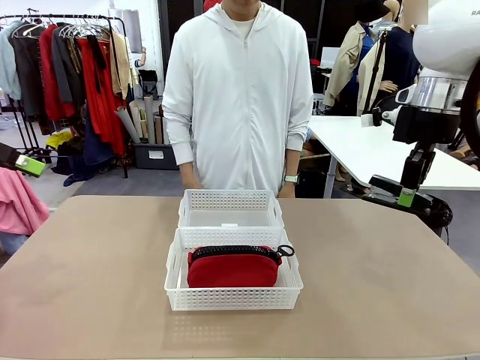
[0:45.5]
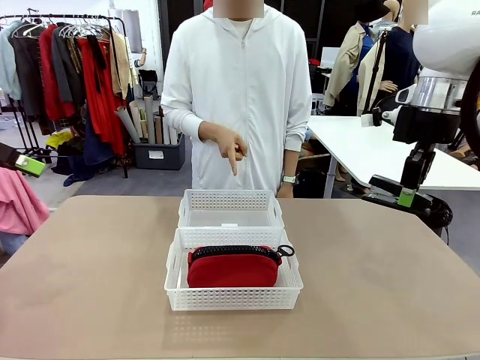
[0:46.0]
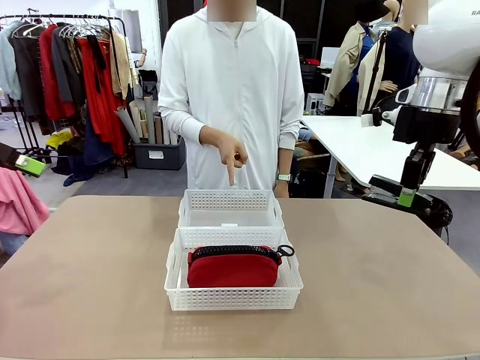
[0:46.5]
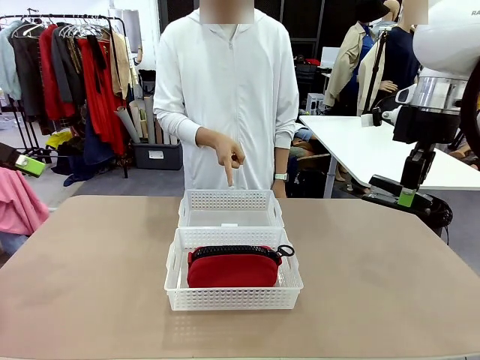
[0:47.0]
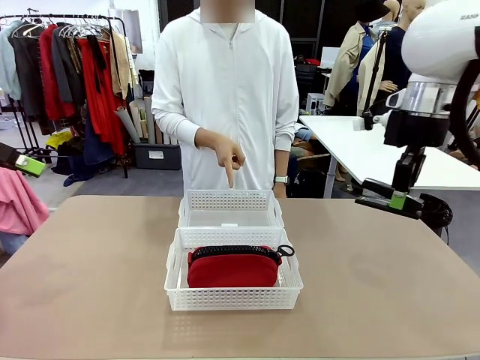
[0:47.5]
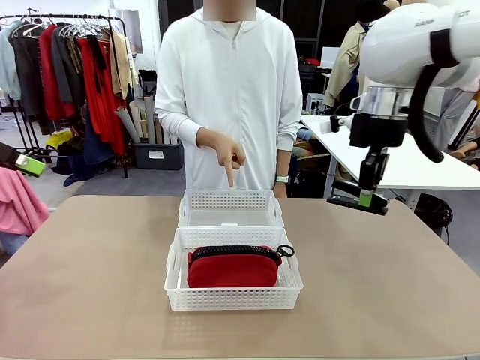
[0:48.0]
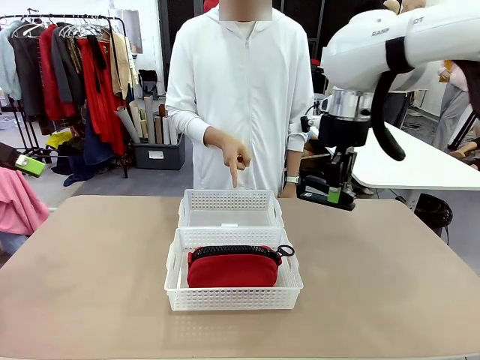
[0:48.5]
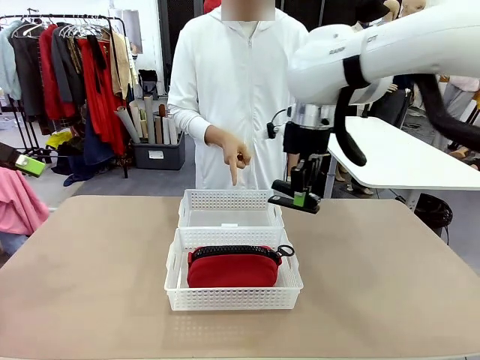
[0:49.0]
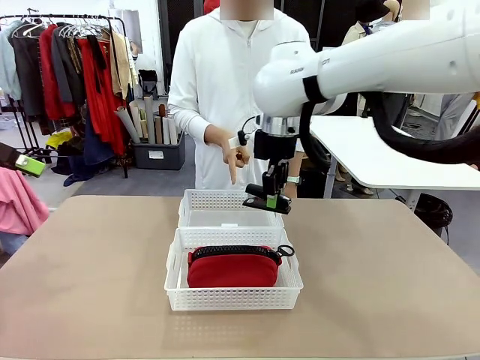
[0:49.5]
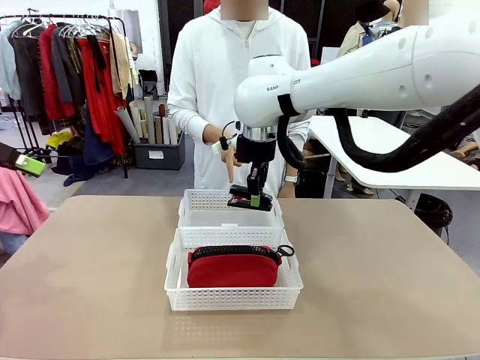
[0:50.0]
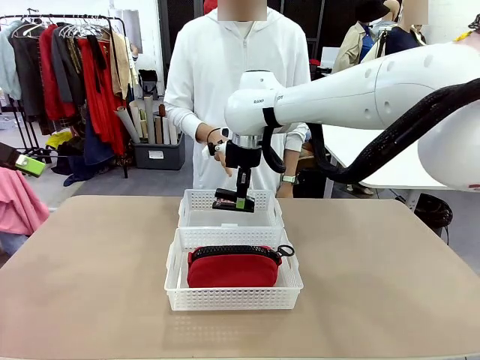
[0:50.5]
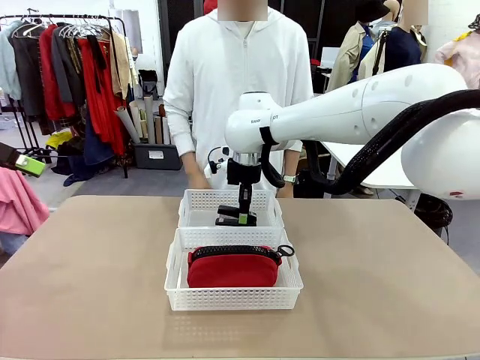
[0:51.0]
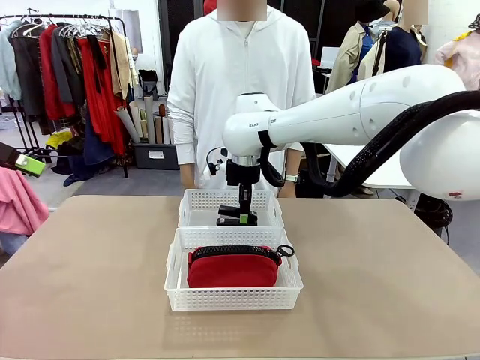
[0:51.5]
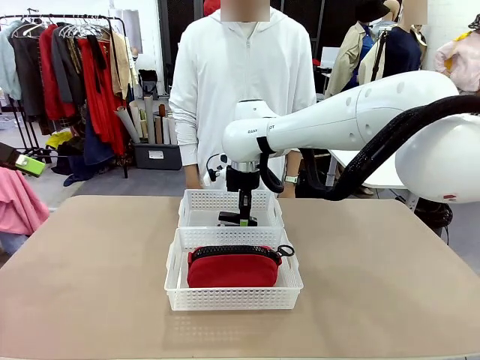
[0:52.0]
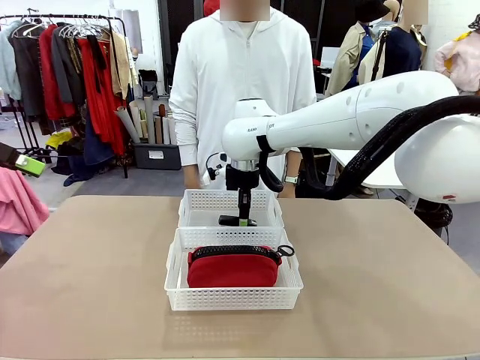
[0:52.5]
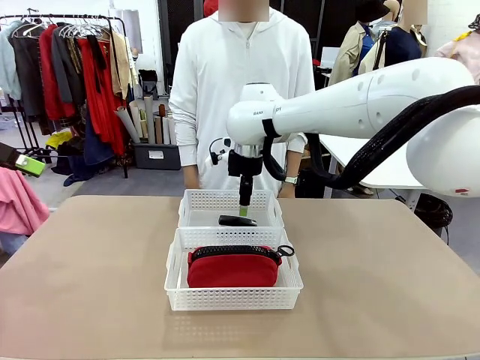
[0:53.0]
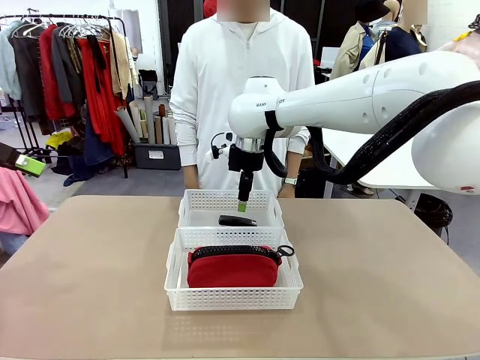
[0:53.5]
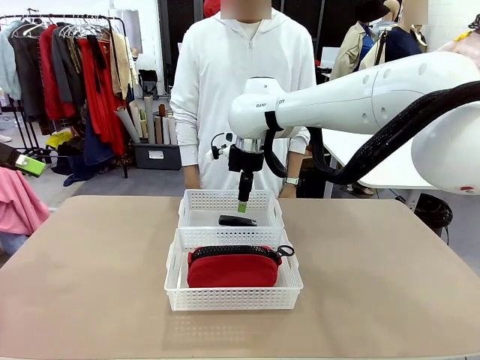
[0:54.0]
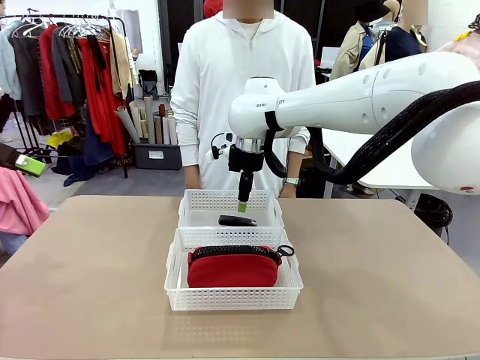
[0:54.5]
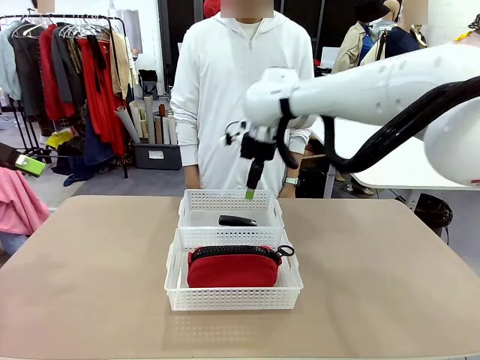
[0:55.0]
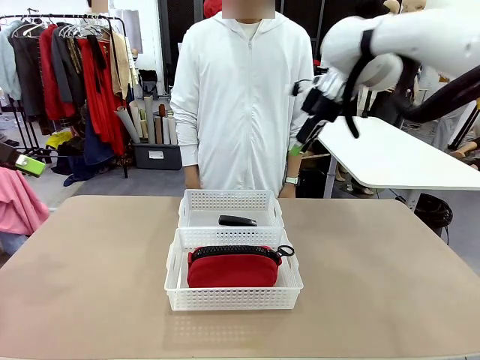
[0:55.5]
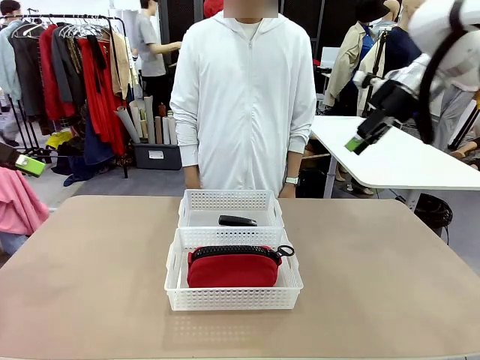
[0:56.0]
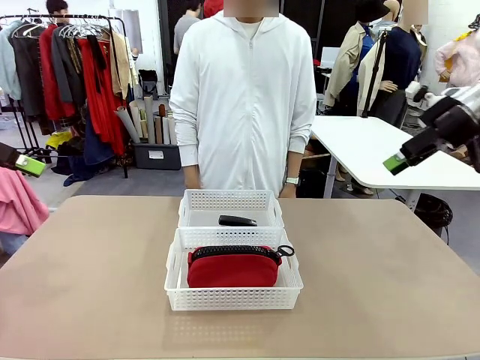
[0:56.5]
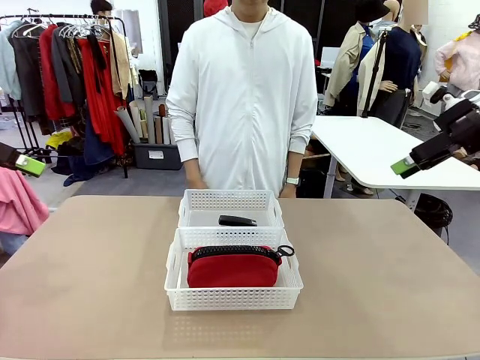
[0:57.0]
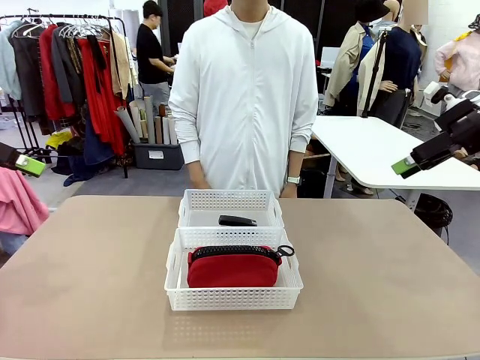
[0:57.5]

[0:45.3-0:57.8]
Task: Distribute items into two baskets.
Robot: Place the picked Stapler into the Organizing basket as instructed by the person.
Person: Points to the basket that does not contain the pencil case and instructs the robot to move the stapler there.

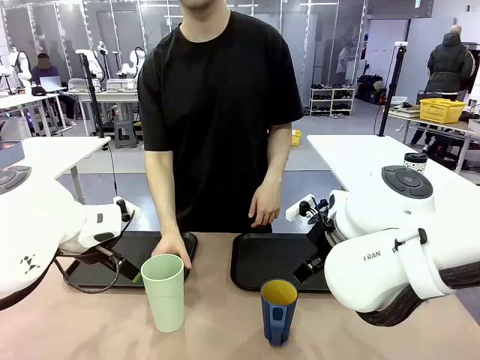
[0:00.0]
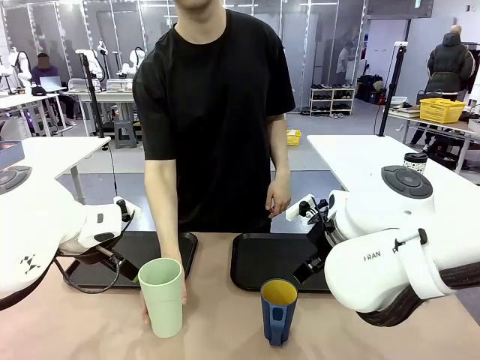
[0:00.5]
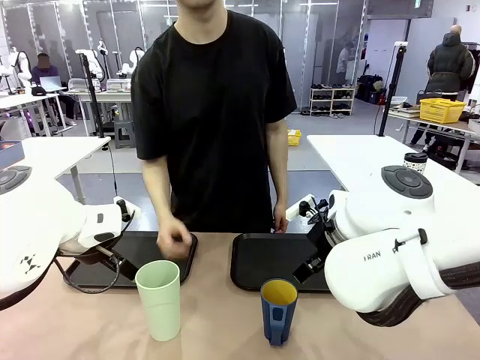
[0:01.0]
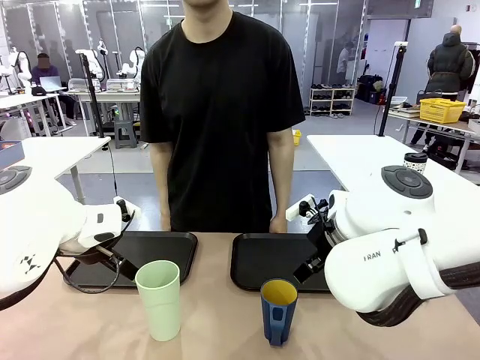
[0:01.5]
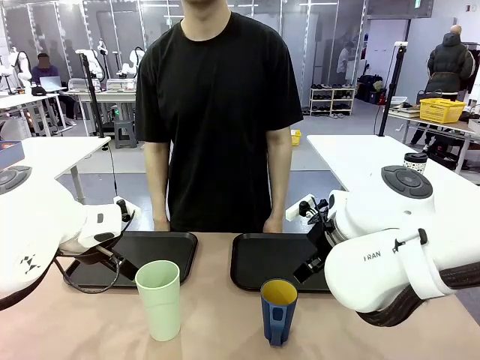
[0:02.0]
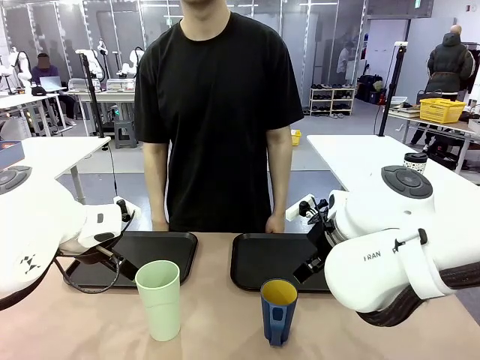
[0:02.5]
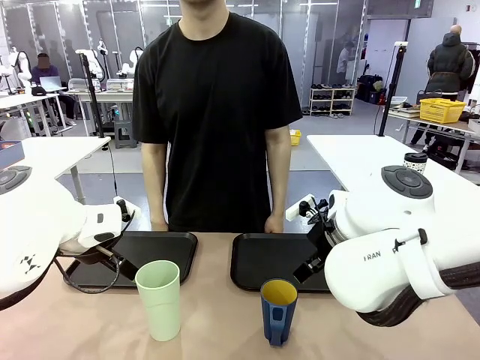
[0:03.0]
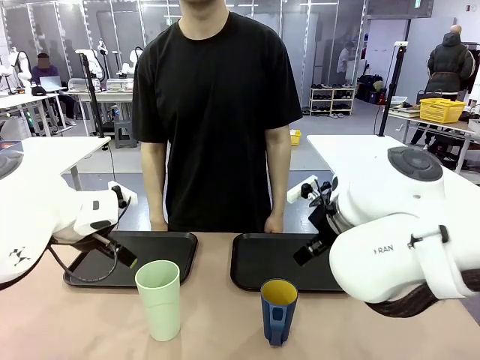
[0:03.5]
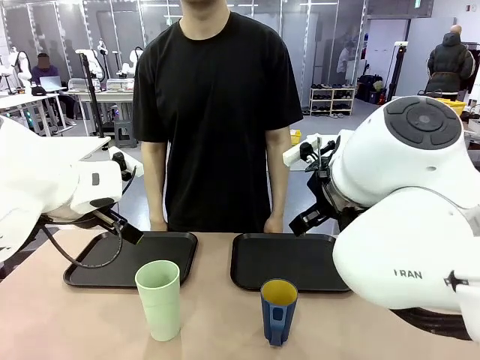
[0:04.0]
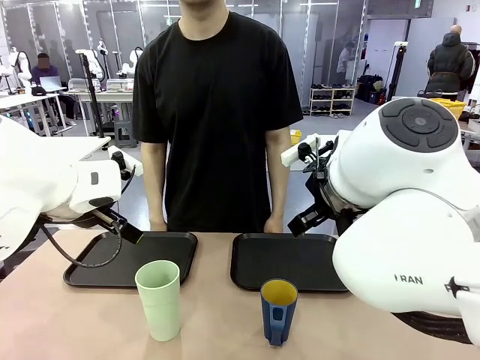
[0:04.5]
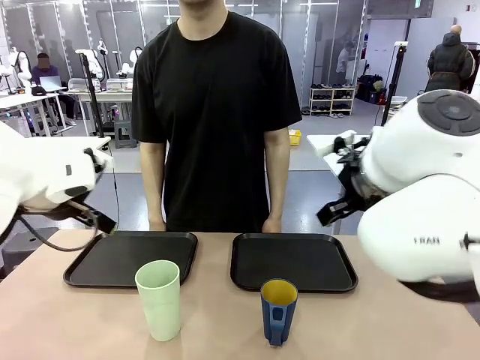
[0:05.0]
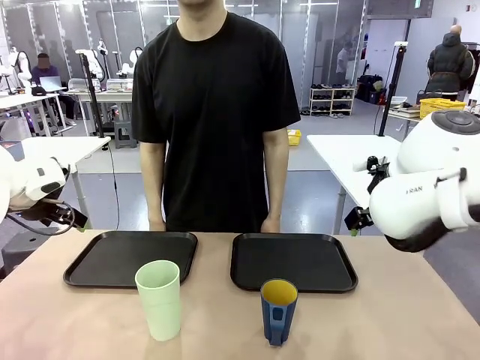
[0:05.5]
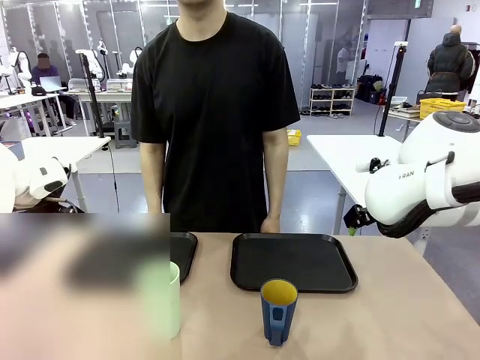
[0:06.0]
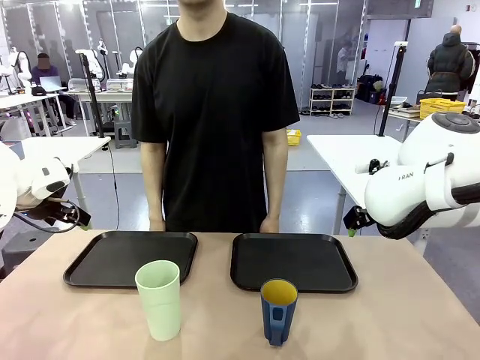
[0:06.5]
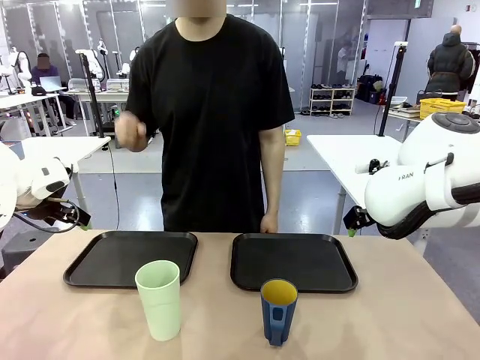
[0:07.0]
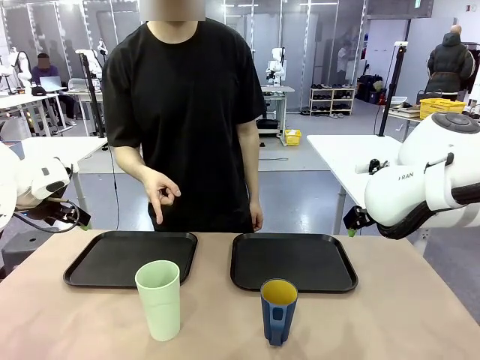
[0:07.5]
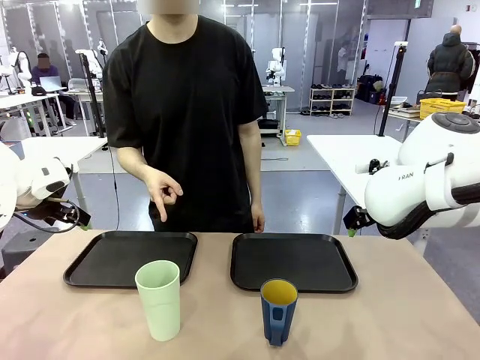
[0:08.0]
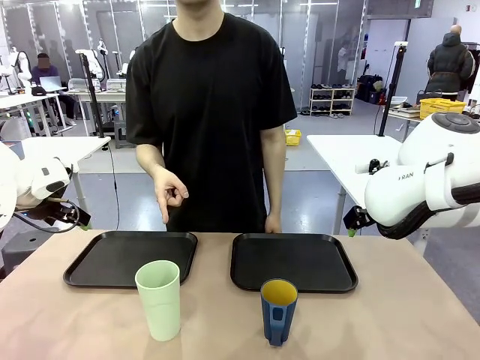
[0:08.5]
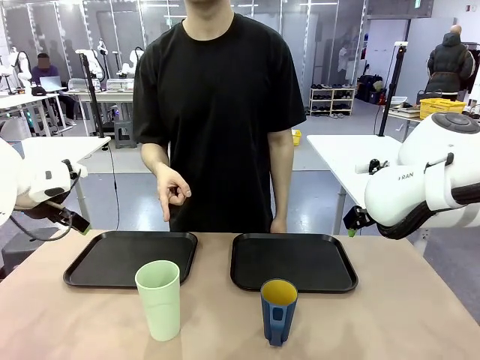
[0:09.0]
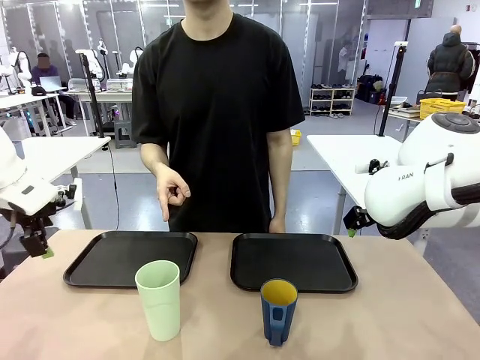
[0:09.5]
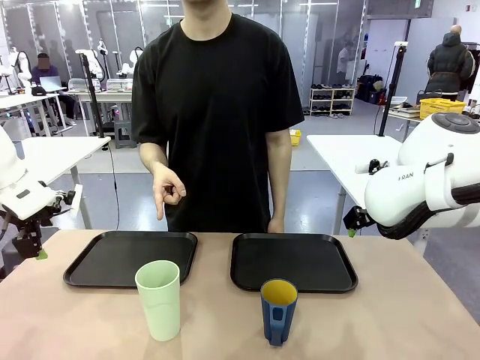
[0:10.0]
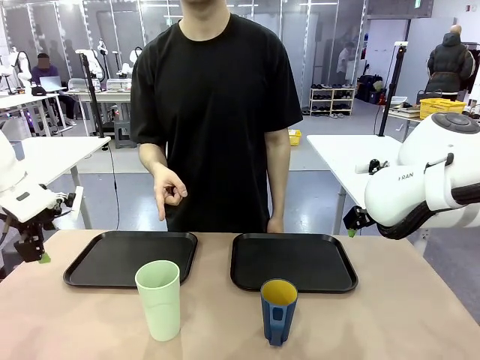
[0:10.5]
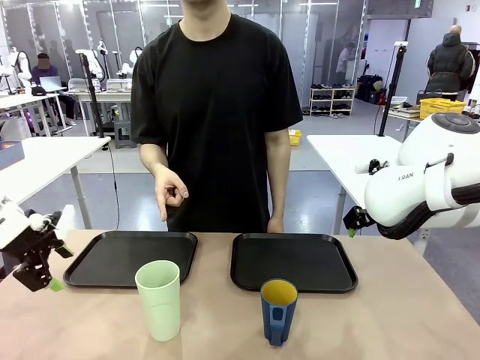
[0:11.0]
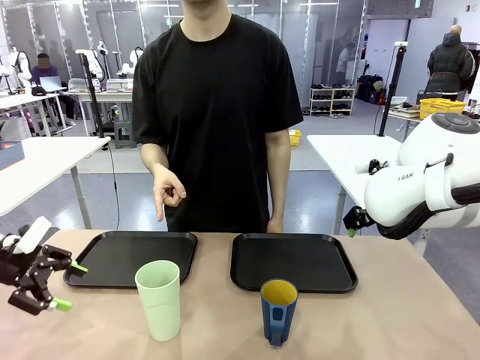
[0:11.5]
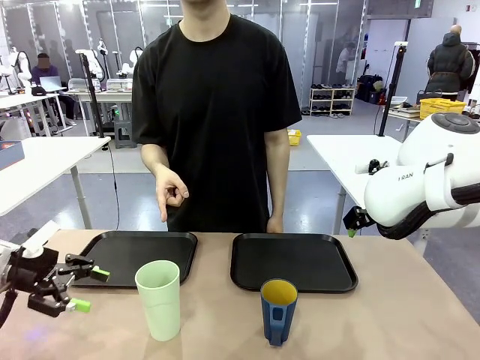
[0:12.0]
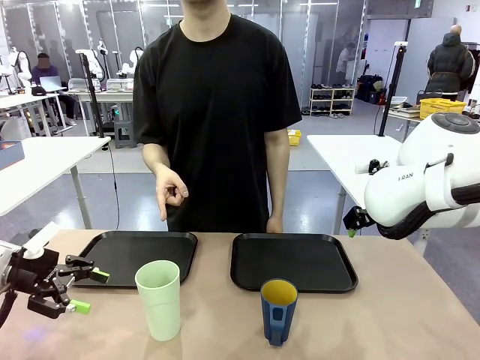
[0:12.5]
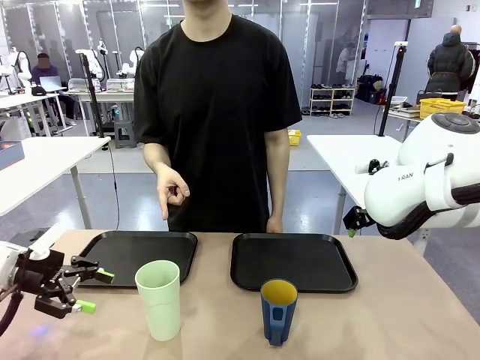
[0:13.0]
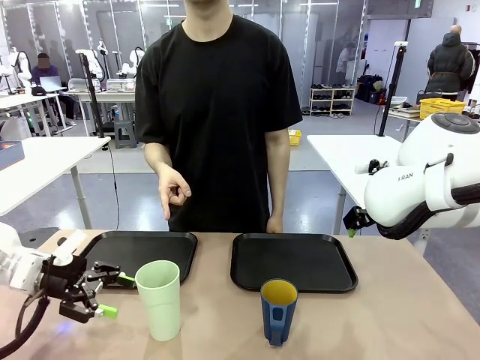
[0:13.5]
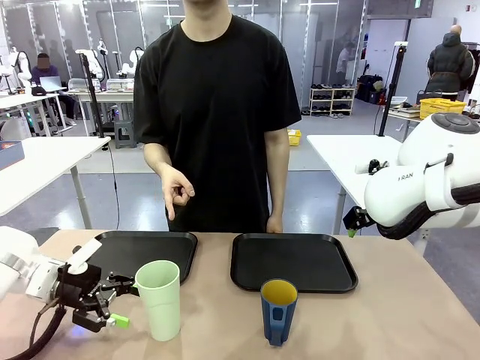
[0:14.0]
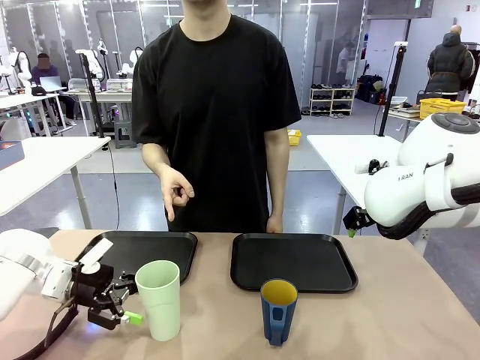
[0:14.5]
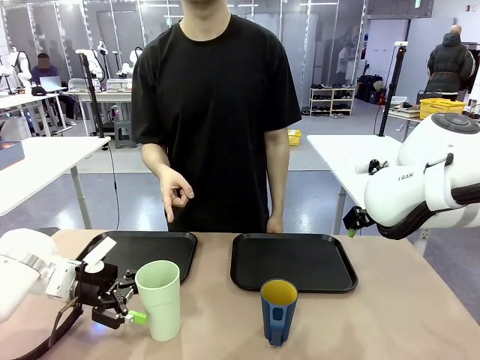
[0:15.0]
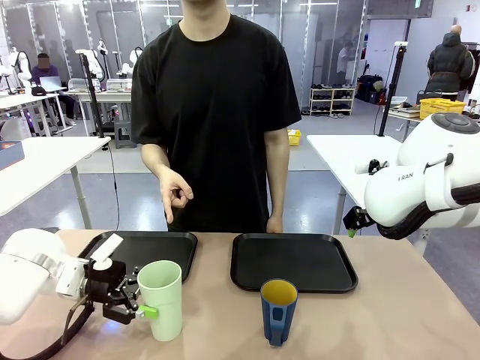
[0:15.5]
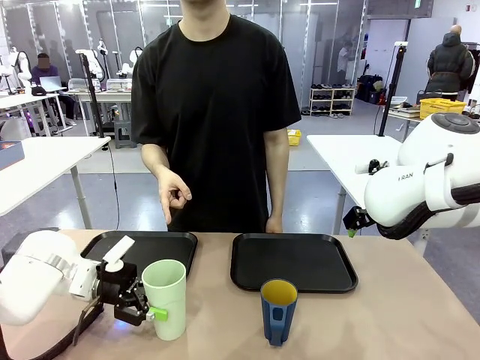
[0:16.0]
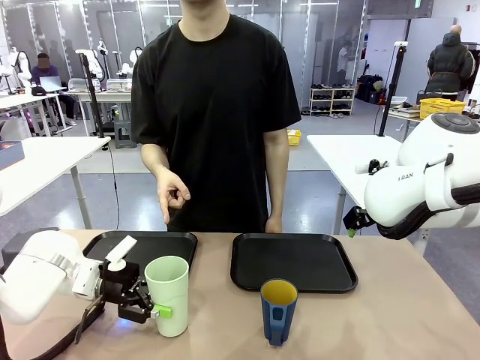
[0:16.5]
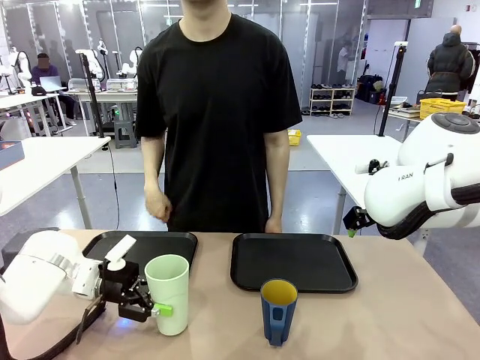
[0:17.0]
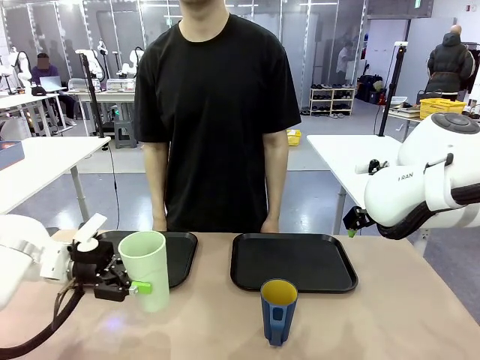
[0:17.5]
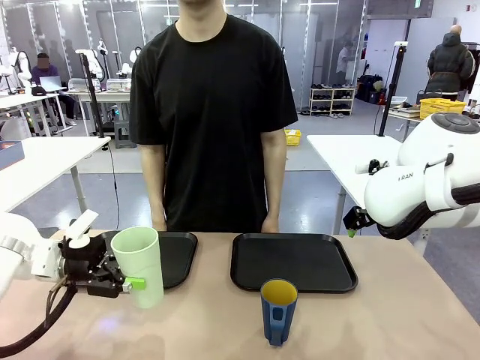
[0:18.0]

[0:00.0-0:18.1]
Task: Sort and store the cups by type.
Robot: Pick up the Reusable plastic cup.
Person: Points to the reusable cup. Point to one of the two trays.
